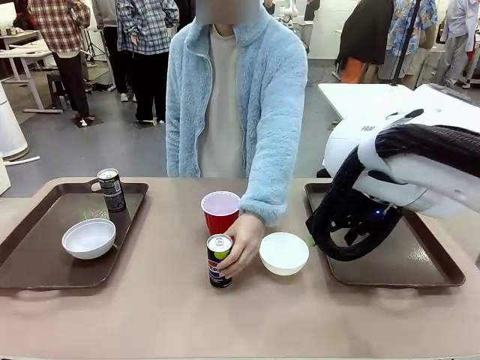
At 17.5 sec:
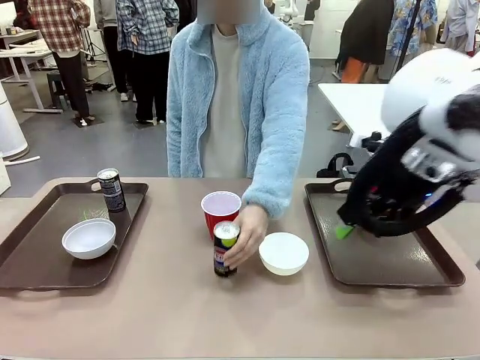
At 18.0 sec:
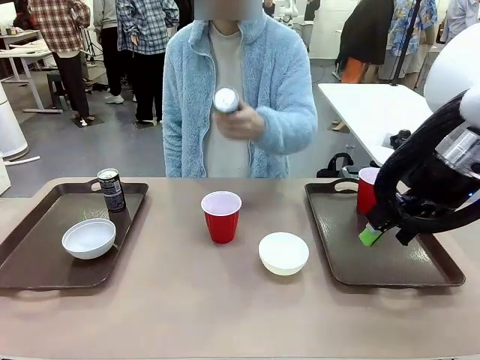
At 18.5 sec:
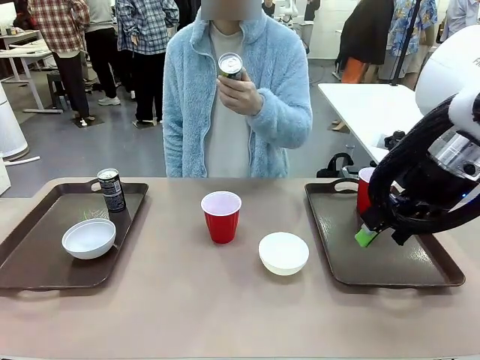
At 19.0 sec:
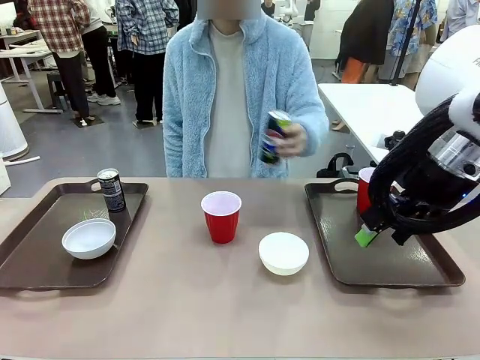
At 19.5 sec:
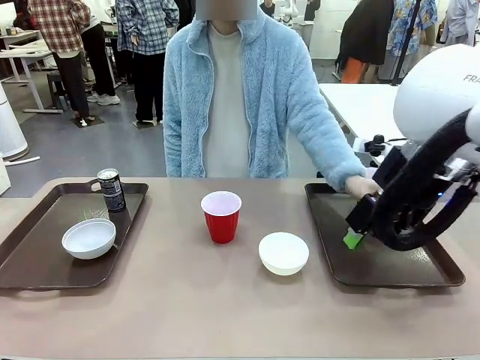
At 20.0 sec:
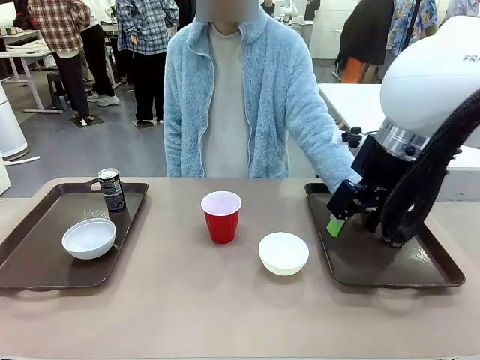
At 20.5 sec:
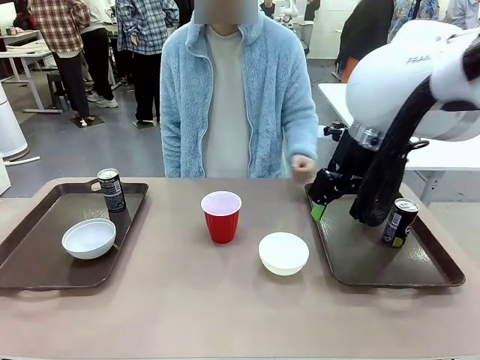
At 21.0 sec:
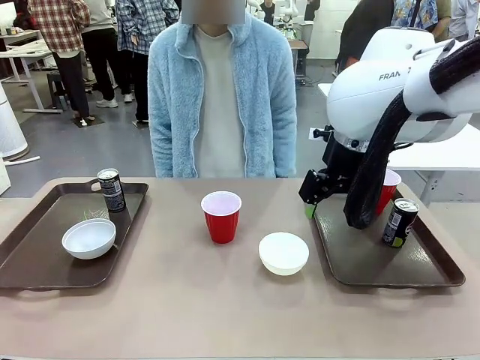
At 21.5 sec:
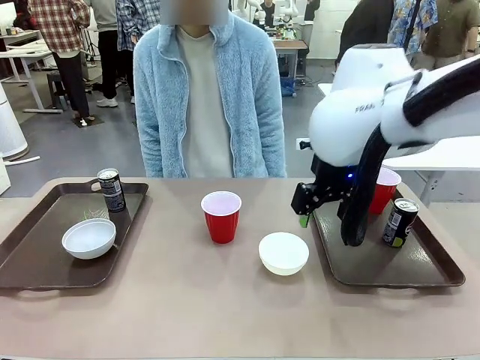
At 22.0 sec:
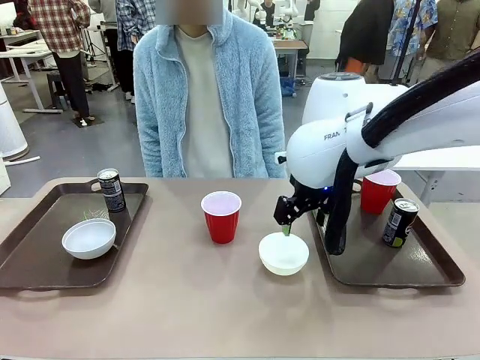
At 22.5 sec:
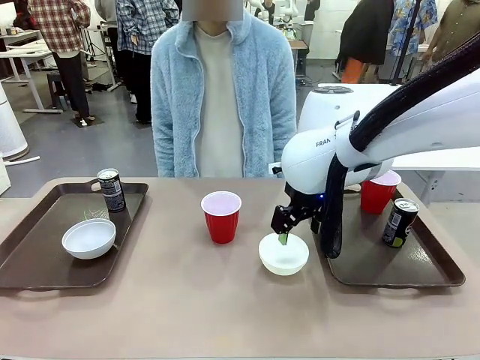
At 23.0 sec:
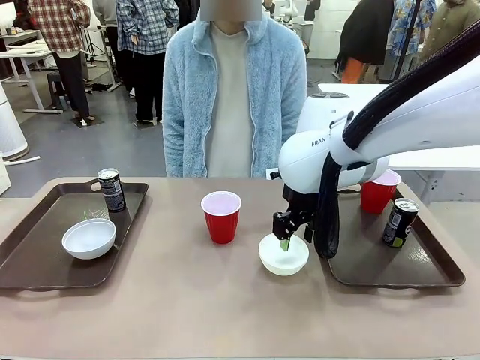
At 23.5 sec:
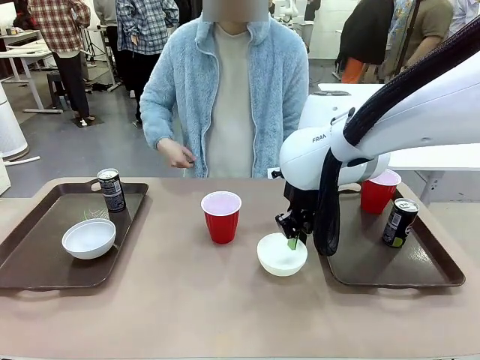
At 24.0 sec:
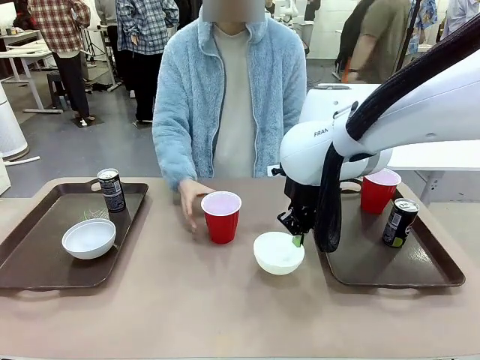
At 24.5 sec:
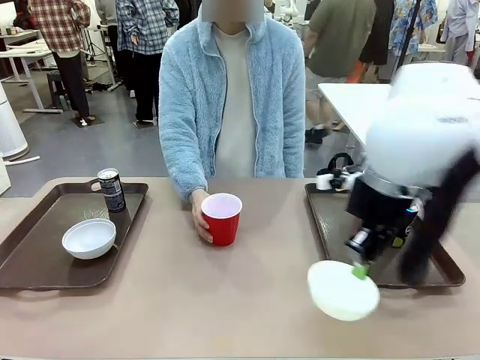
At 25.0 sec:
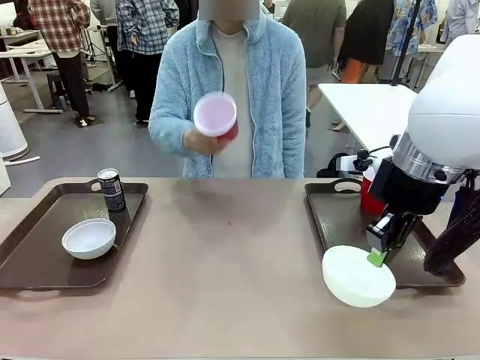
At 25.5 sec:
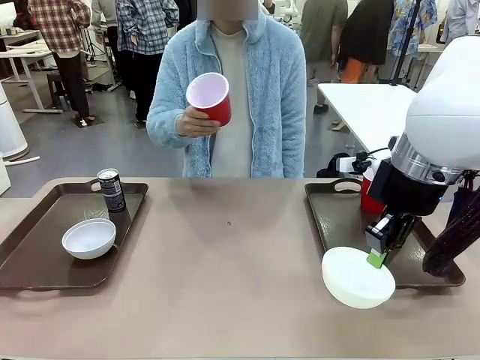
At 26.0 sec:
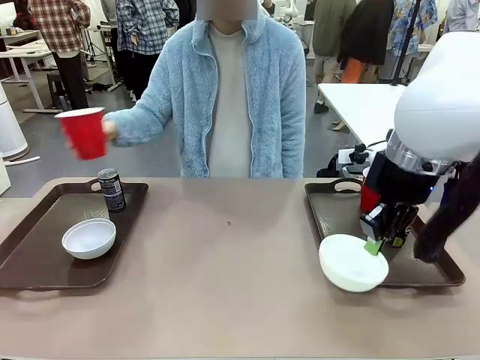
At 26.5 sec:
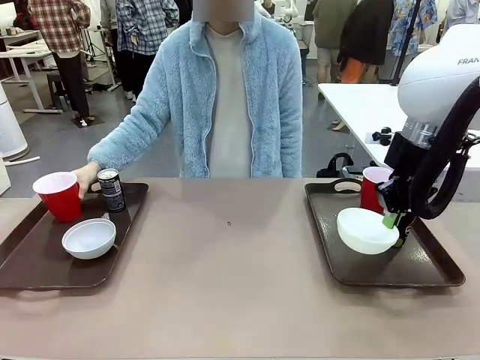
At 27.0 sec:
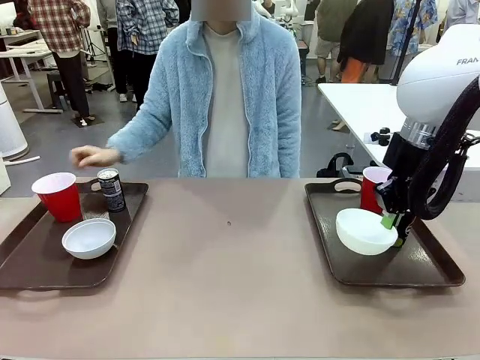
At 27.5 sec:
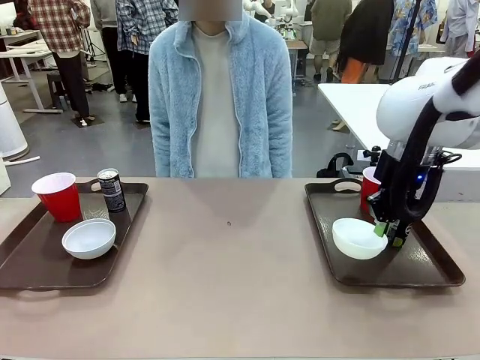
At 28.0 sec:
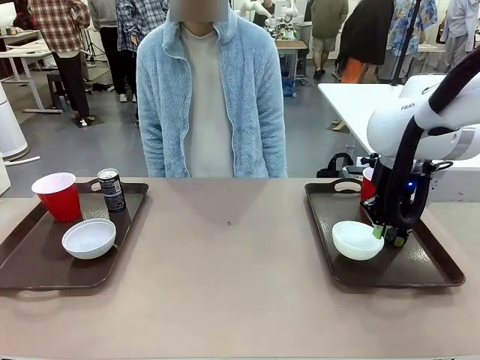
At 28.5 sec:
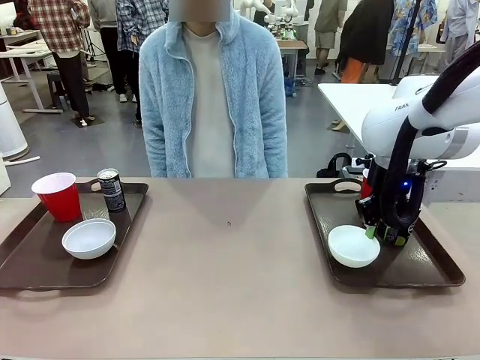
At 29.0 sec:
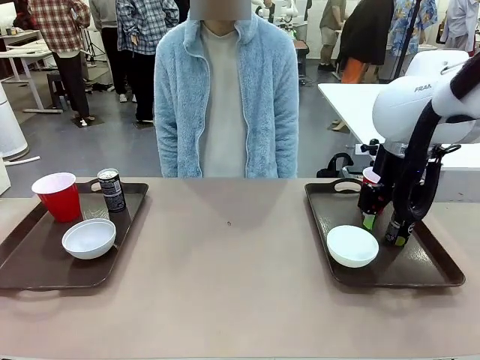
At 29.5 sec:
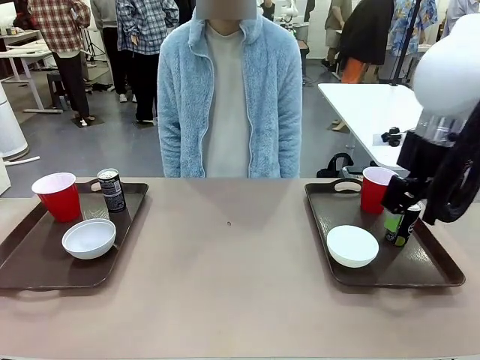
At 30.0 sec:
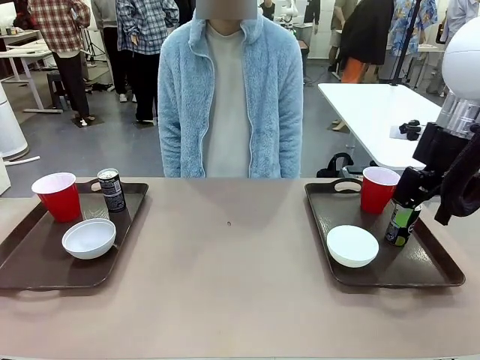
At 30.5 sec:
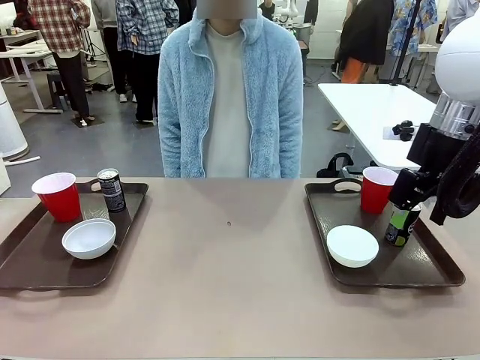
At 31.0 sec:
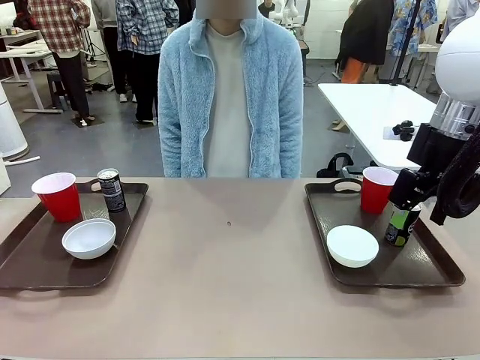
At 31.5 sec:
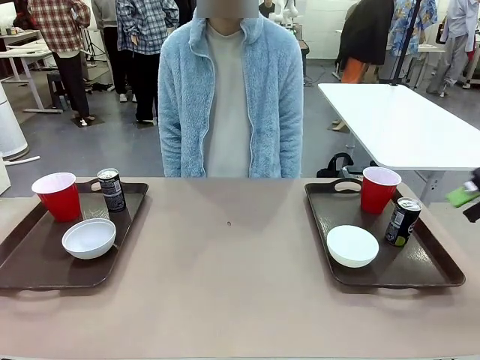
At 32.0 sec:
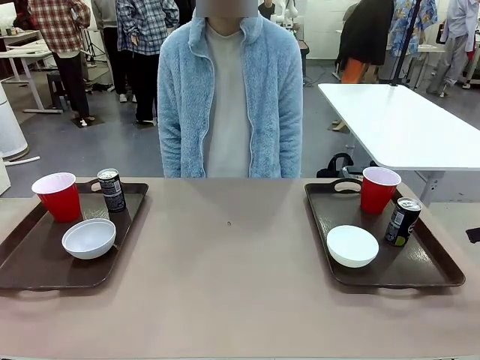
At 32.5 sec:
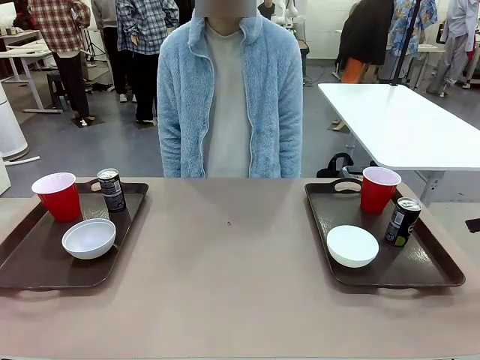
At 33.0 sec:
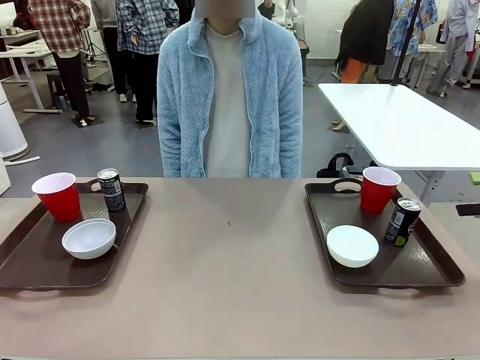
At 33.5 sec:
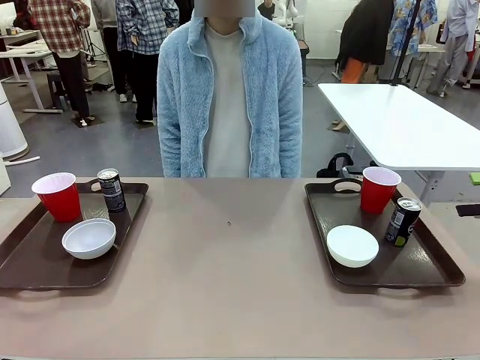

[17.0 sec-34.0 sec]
Task: Prepare tableware on both trays.
Robot: Pick up a Picnic Bowl from the table and place it on a Handle tray.
Person: Pick up a can or cup and place it on the tray without a can or cup.
